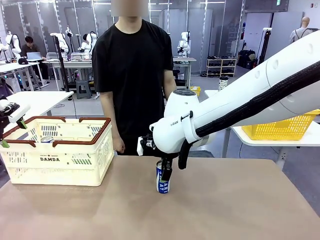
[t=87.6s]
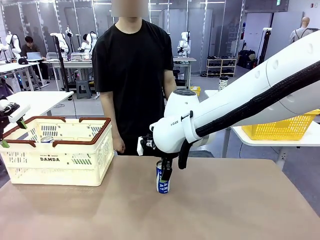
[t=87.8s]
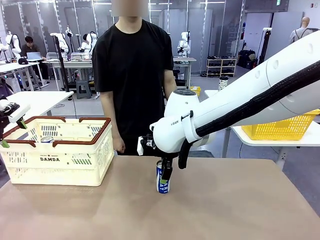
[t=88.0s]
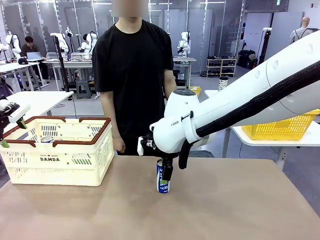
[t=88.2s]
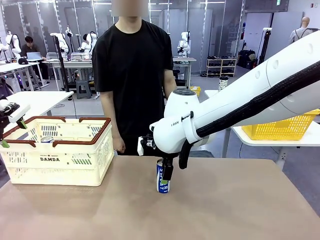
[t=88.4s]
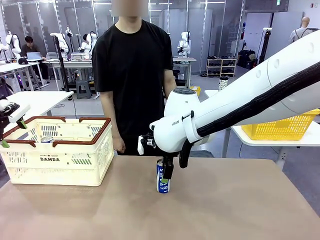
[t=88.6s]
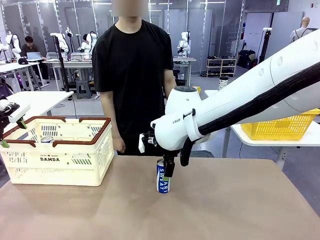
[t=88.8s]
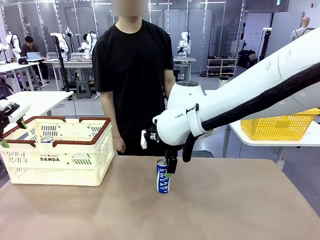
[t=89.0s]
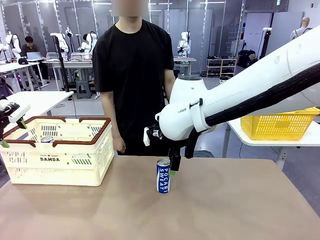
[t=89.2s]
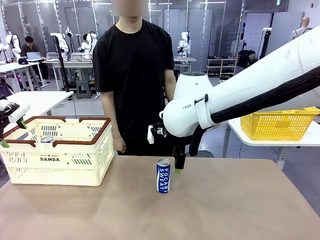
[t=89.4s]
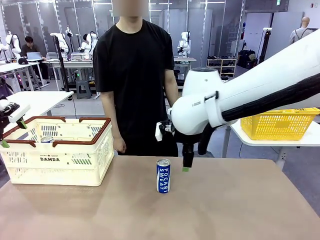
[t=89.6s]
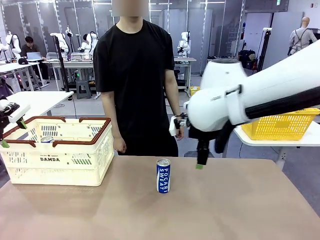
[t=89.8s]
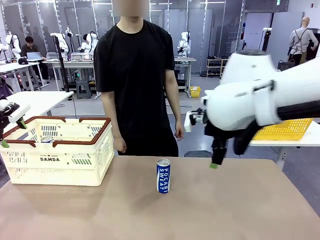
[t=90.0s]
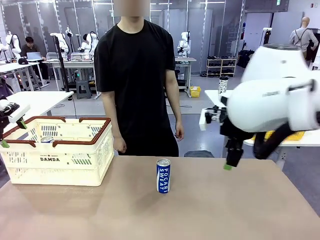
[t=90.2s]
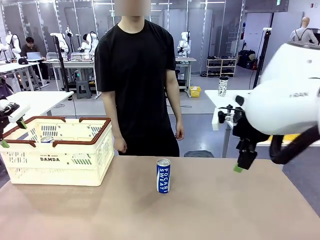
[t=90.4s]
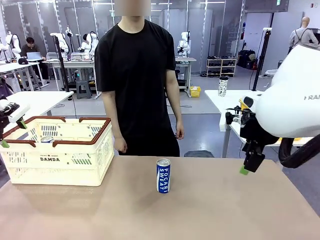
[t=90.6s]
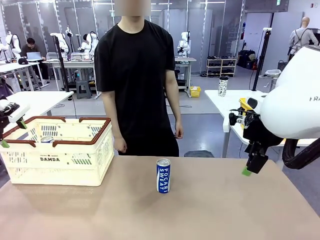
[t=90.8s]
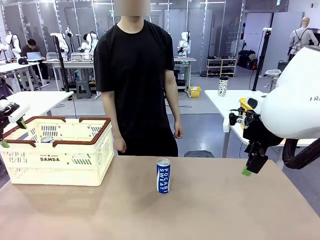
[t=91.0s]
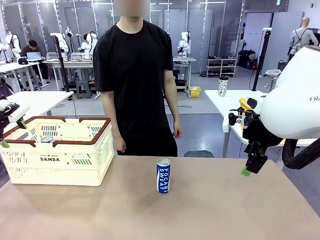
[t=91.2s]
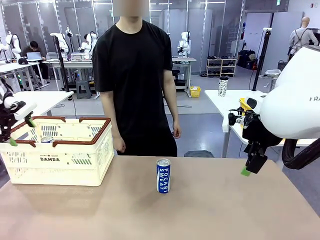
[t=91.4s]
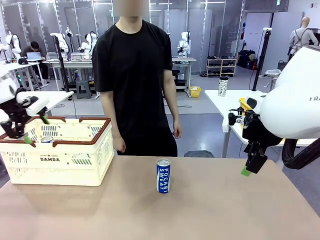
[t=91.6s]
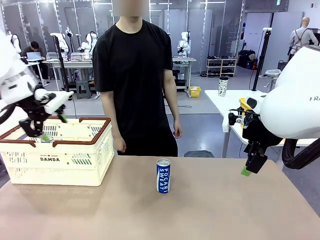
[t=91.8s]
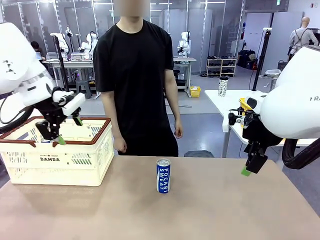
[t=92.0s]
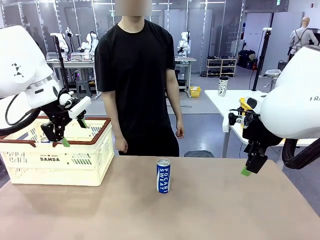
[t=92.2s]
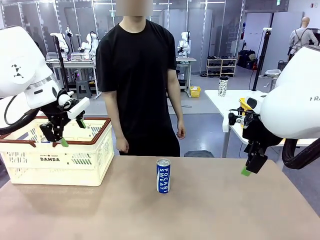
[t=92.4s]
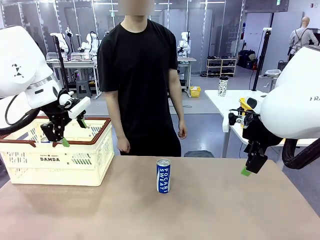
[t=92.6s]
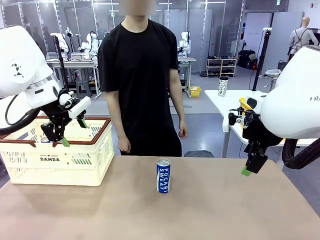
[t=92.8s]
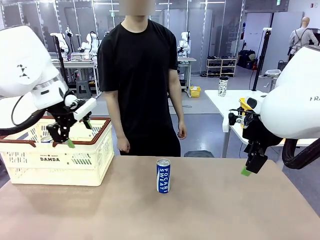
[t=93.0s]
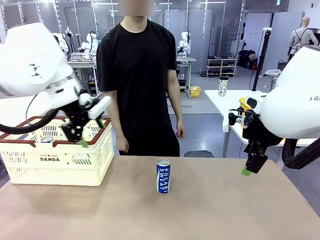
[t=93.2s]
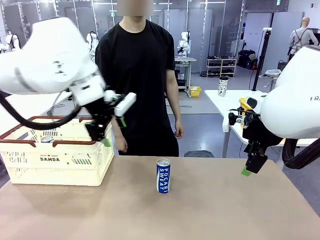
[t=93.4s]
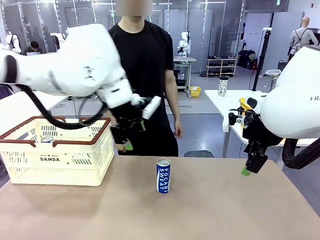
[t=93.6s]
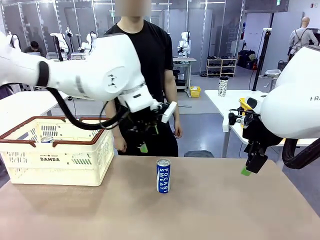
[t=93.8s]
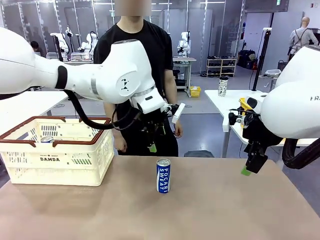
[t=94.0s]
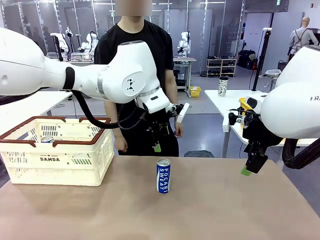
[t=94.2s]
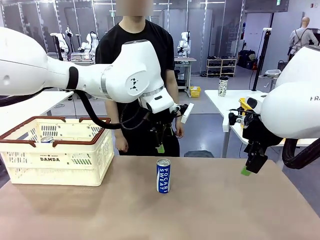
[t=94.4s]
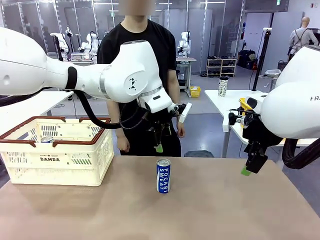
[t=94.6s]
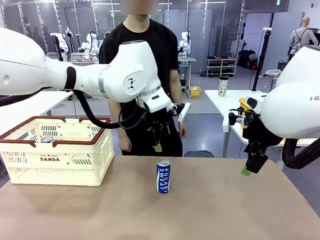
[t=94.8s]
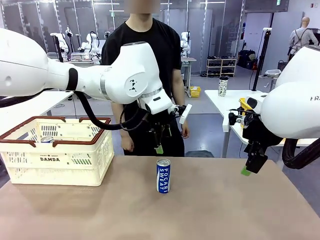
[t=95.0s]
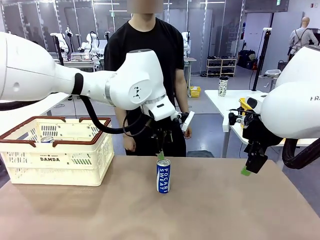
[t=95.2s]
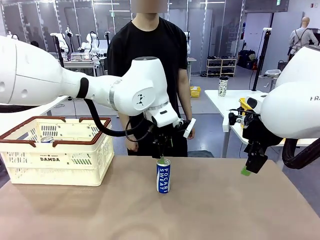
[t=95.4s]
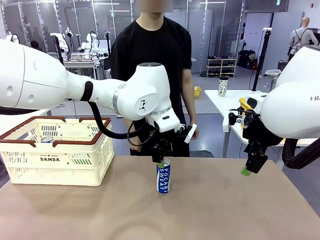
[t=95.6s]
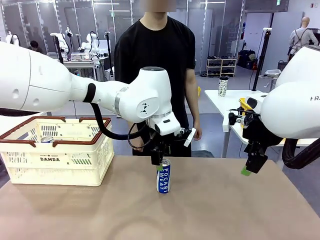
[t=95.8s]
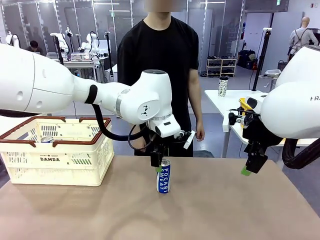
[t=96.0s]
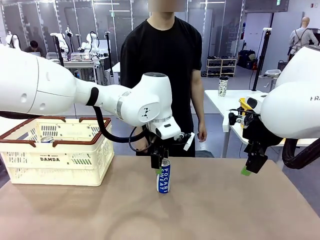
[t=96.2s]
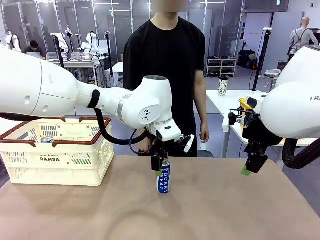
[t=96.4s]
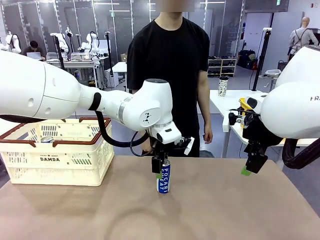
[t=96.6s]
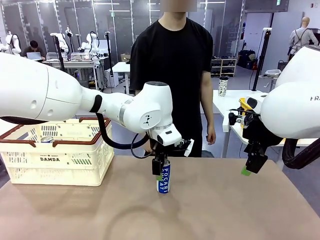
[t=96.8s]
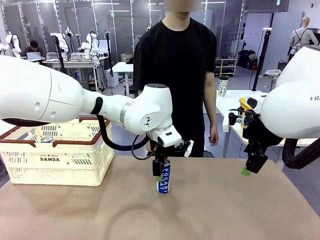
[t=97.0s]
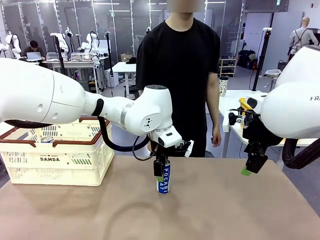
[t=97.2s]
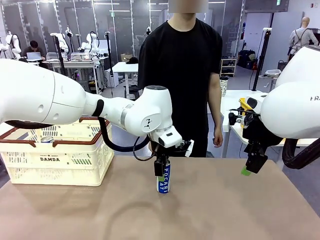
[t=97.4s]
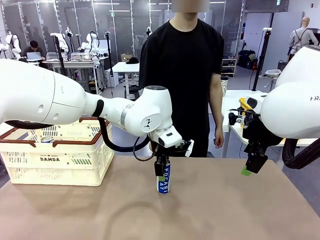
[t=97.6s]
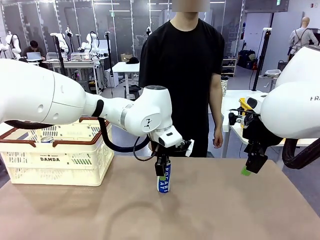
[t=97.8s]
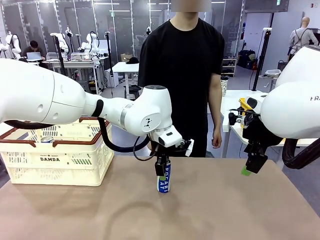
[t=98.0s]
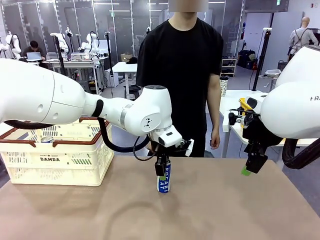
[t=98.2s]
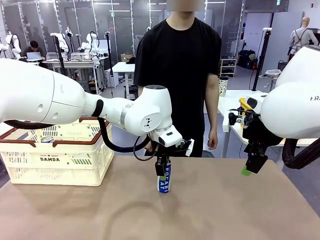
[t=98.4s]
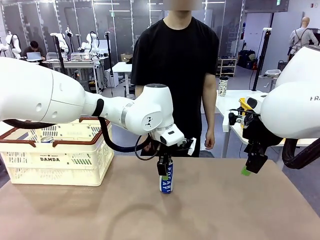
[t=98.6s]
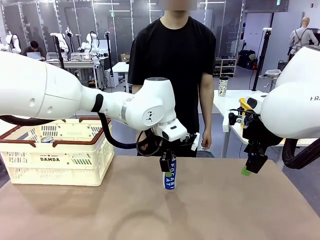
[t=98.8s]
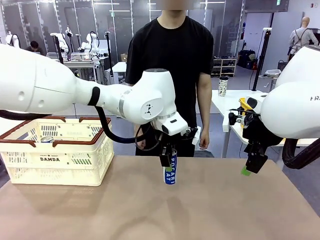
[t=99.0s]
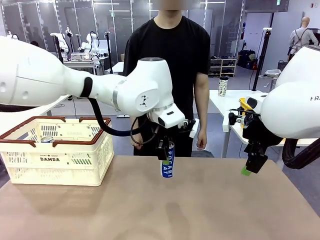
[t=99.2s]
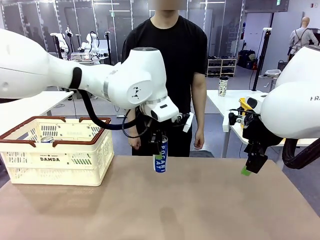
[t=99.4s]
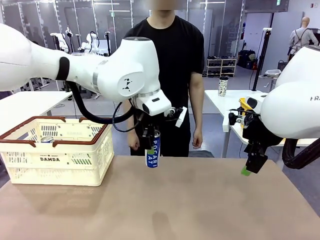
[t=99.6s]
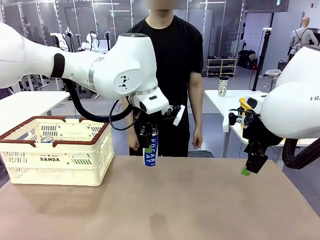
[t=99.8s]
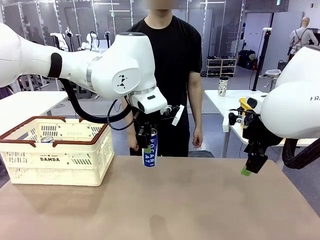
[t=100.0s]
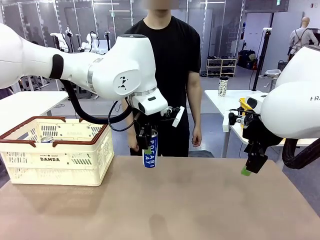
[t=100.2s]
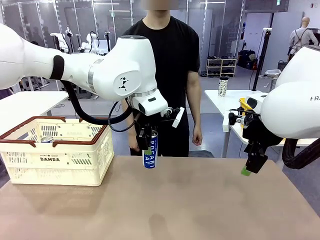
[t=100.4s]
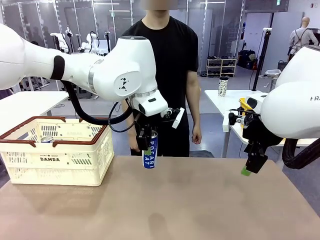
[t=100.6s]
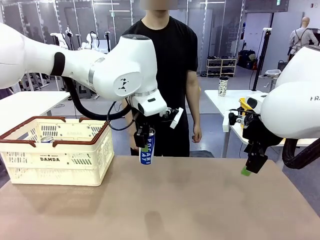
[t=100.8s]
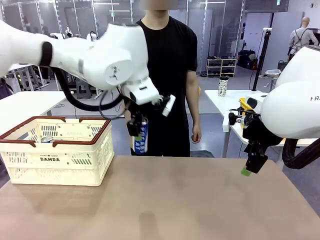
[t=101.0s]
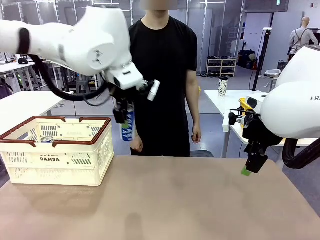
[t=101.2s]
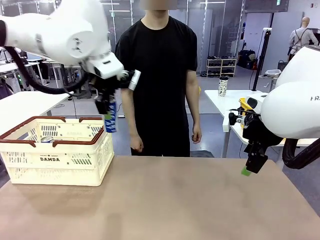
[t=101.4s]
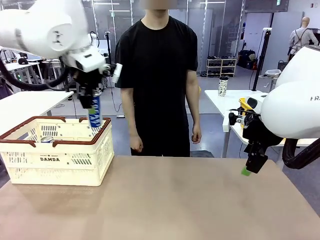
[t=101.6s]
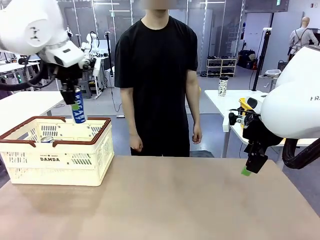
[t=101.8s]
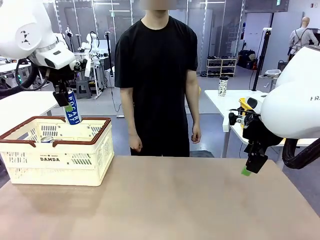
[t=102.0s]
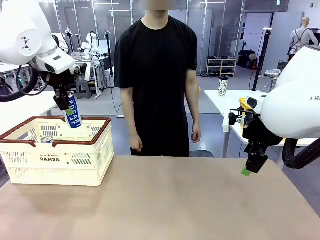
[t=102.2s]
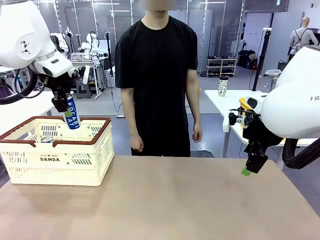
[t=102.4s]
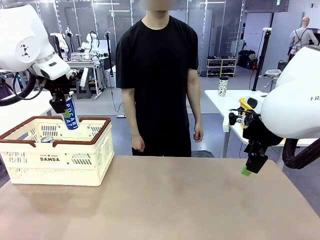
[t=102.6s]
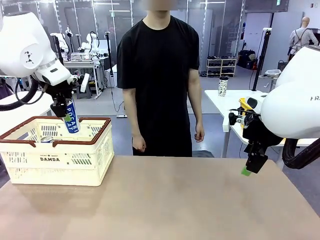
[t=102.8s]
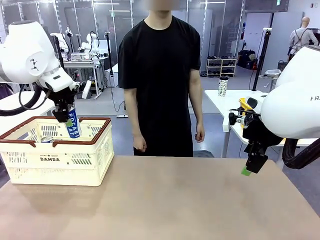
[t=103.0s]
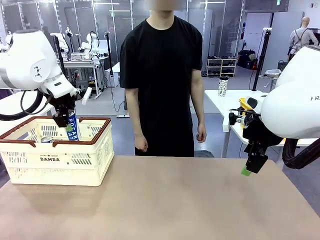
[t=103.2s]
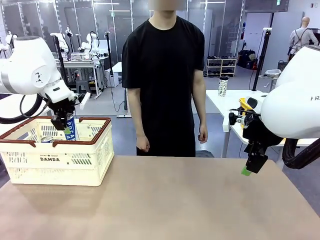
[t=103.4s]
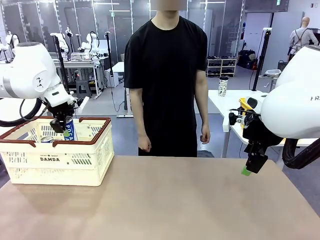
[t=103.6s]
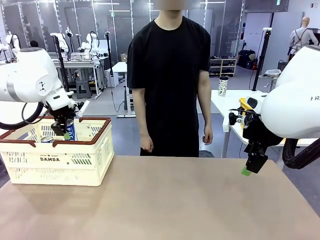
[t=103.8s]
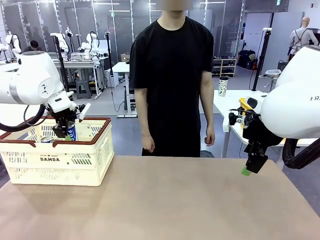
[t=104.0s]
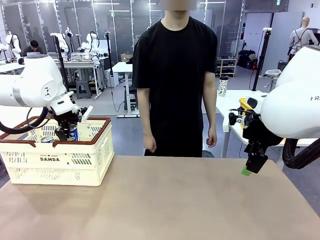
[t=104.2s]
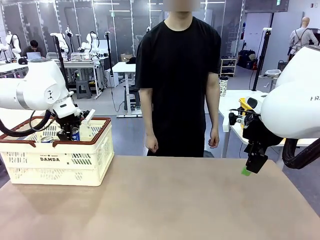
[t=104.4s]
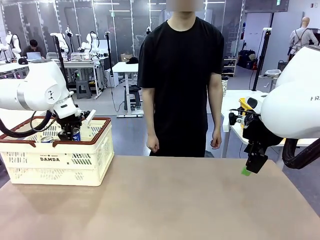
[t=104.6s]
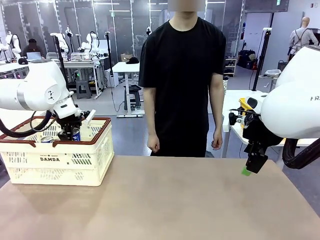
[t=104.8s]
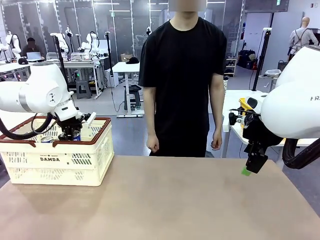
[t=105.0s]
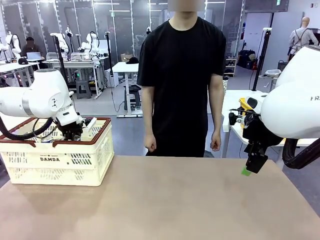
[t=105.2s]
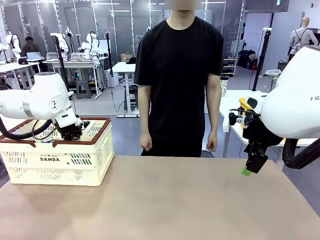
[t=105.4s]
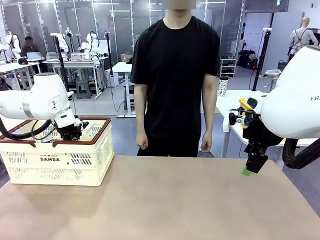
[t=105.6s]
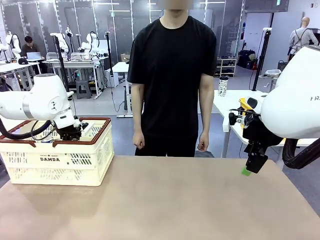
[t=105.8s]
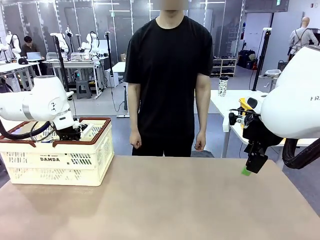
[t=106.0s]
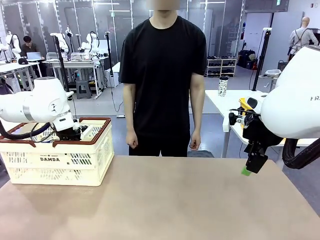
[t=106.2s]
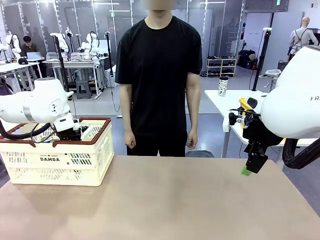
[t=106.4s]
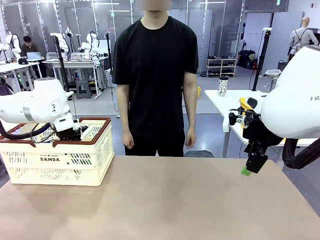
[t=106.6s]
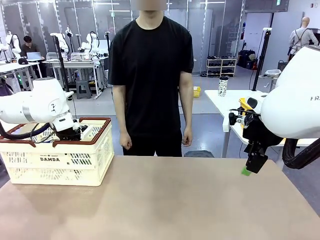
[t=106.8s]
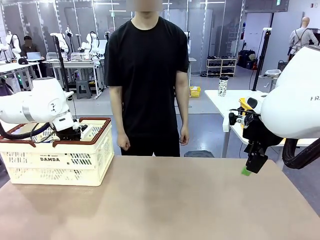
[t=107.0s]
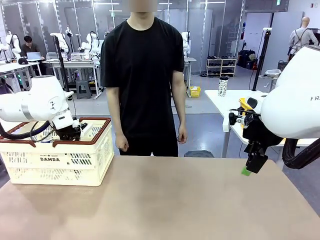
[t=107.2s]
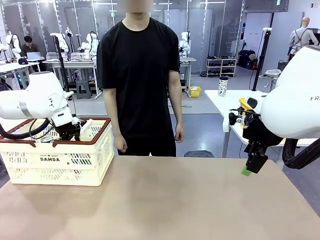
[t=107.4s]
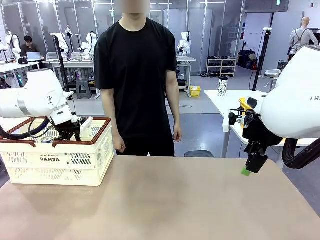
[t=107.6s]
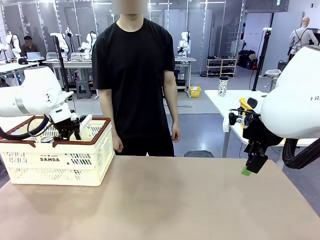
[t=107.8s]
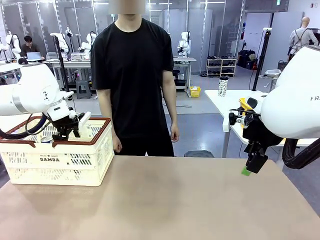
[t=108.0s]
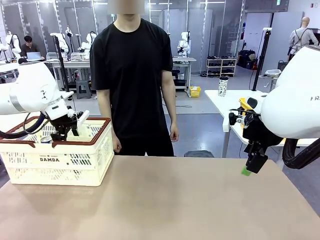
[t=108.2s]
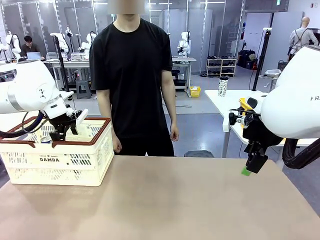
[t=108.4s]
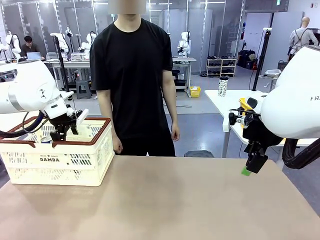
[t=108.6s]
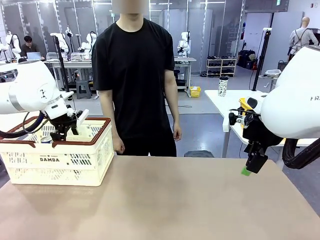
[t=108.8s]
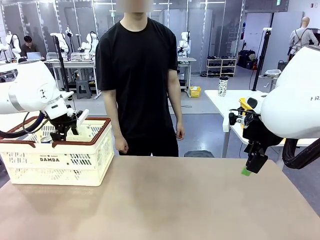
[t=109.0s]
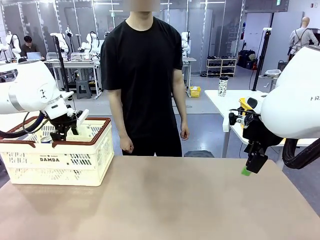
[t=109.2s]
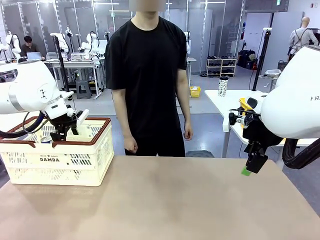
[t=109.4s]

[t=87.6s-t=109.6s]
Task: Place the drinks into the Shopping basket.
Robot: Pick up one drink and place it into the Shopping basket.
